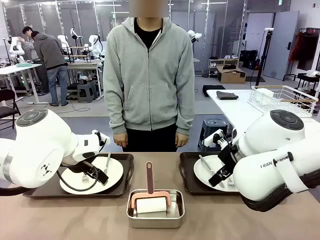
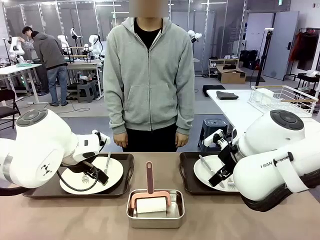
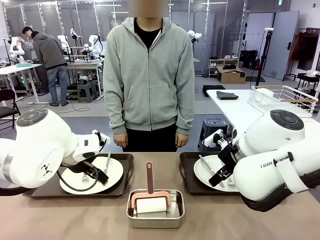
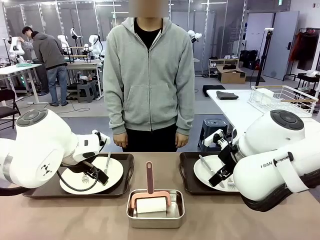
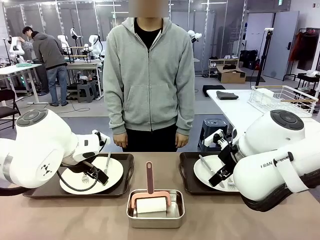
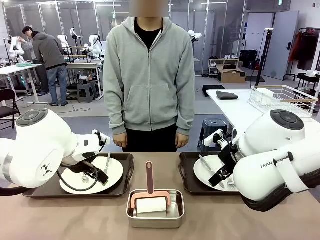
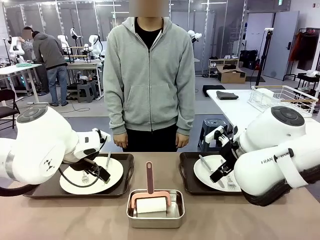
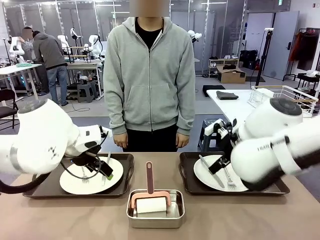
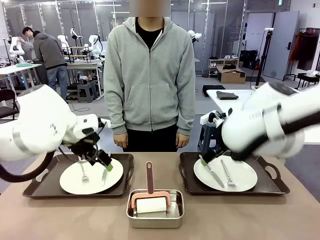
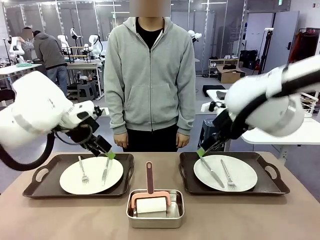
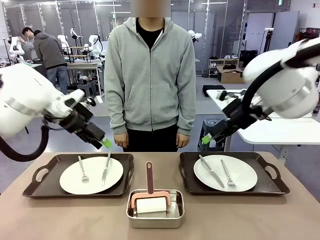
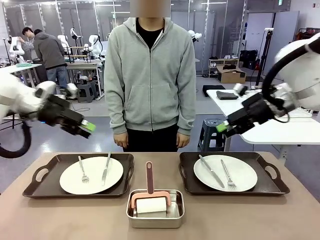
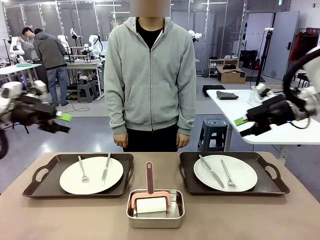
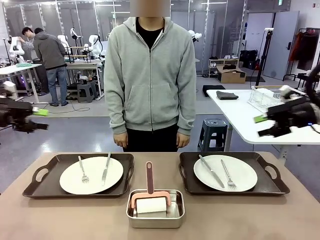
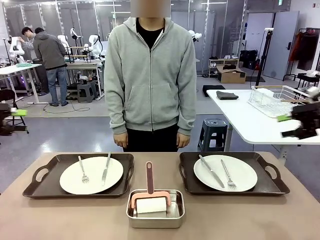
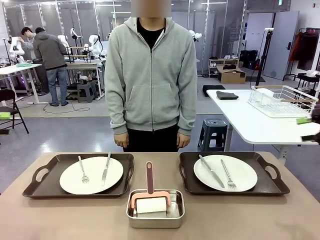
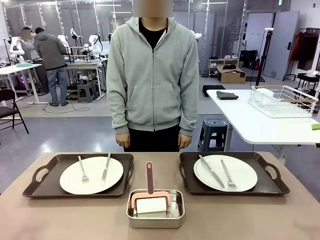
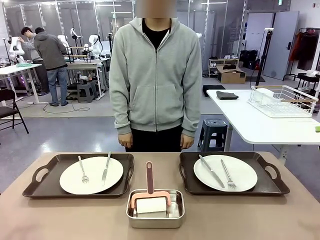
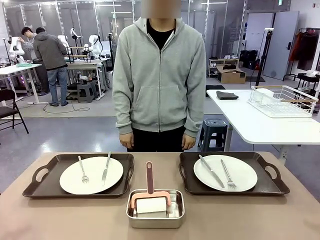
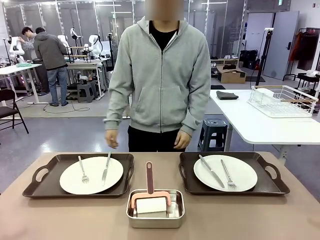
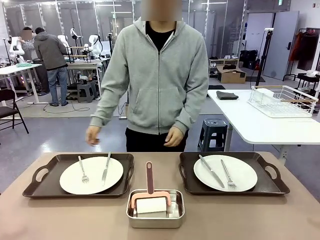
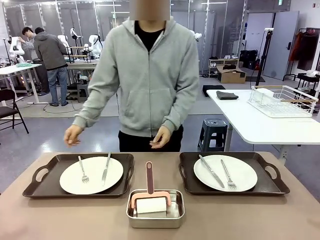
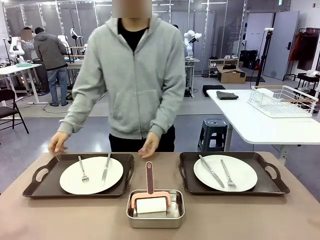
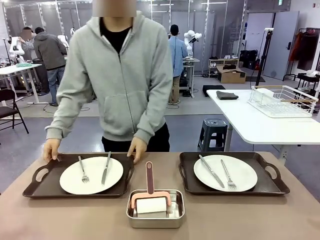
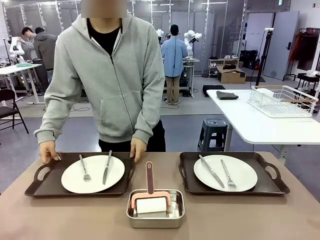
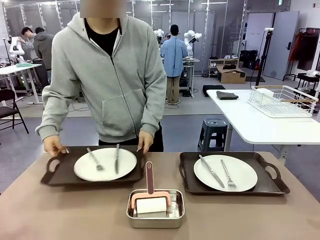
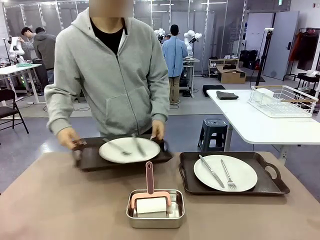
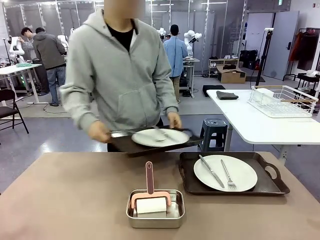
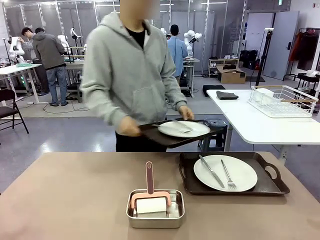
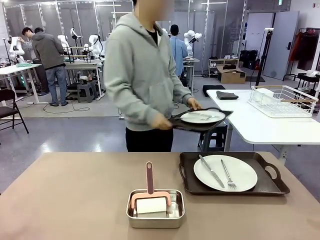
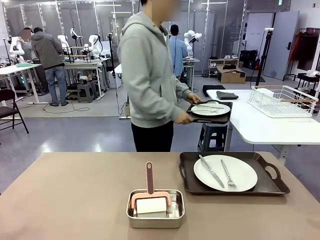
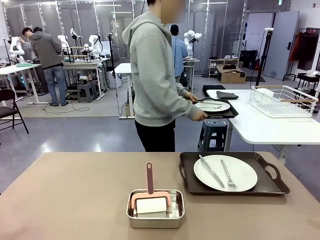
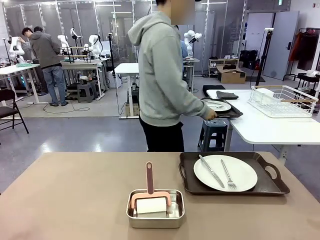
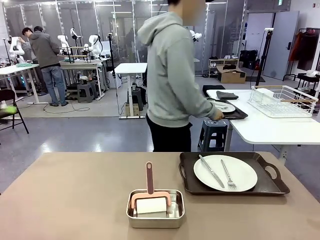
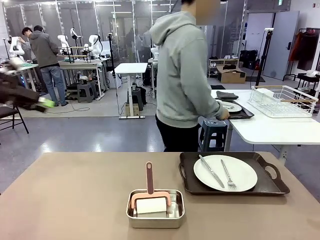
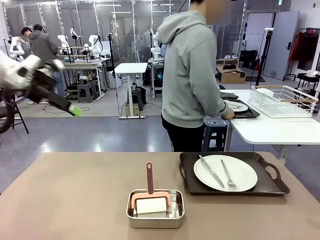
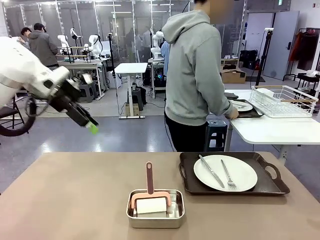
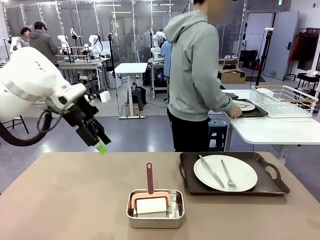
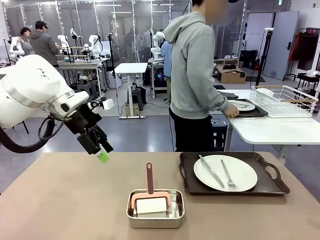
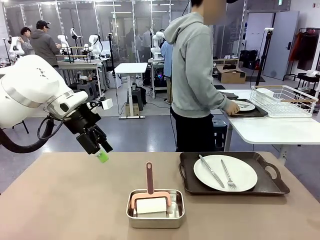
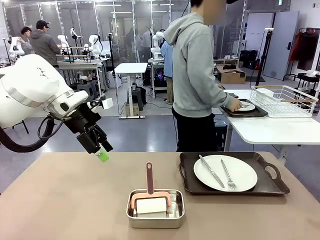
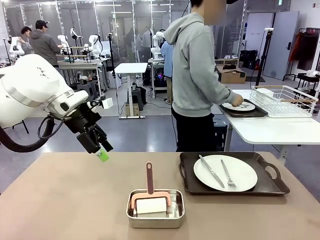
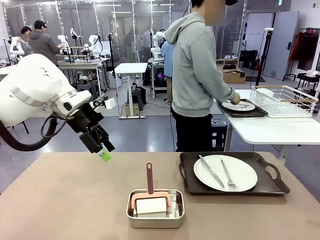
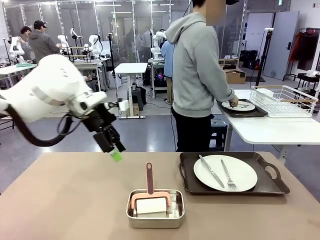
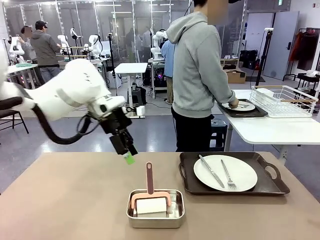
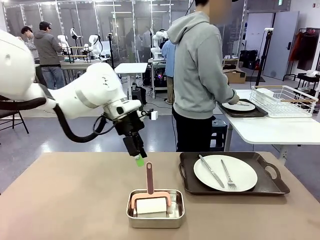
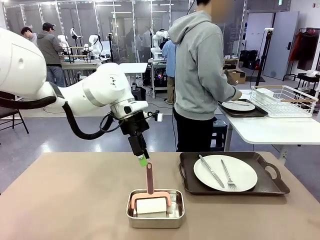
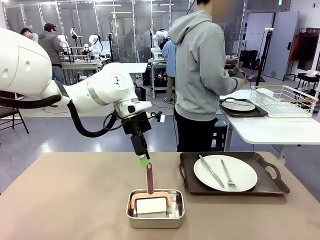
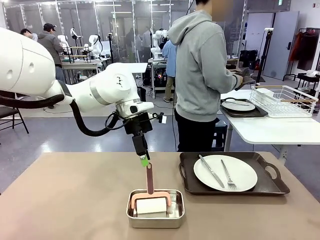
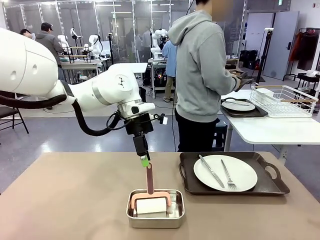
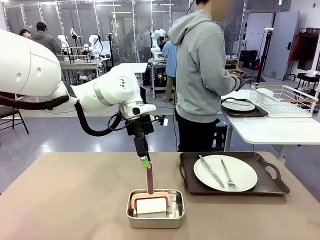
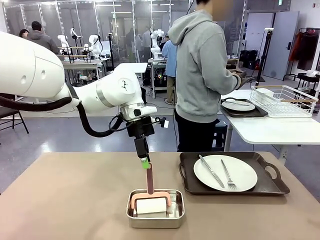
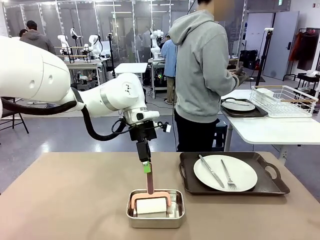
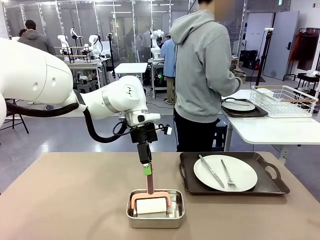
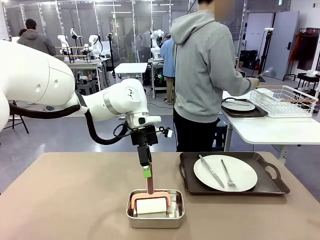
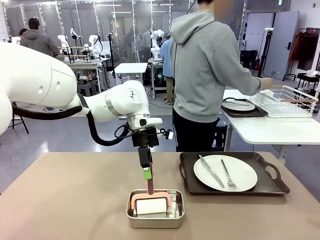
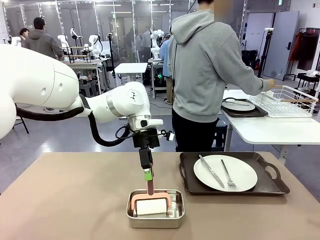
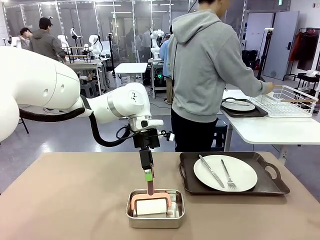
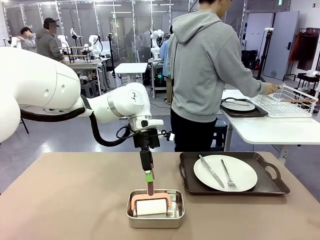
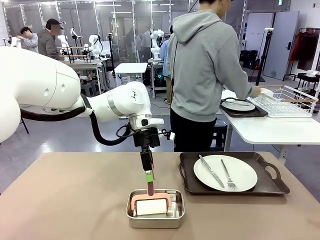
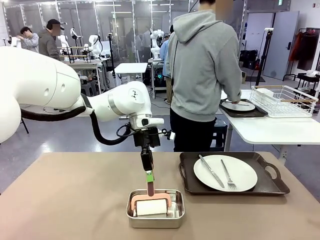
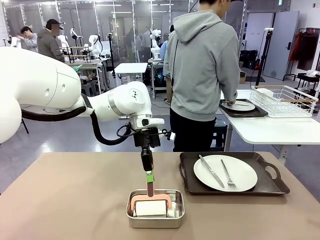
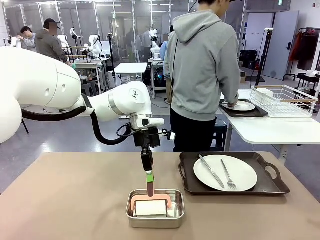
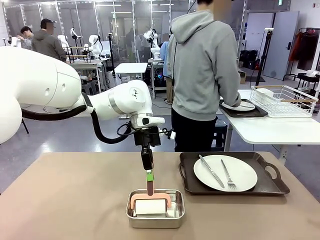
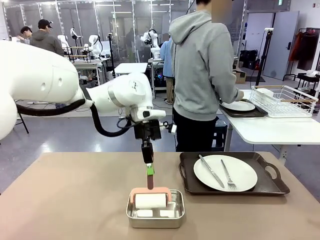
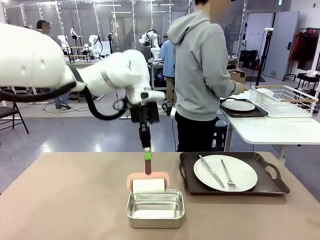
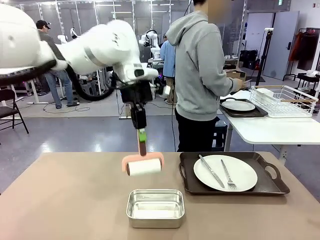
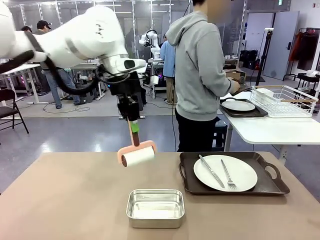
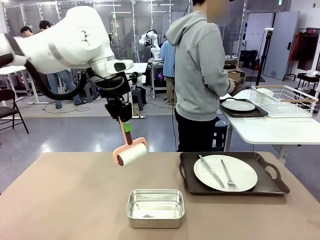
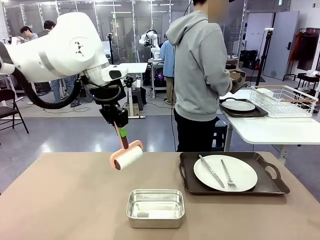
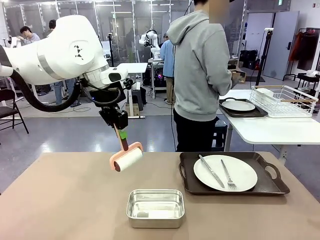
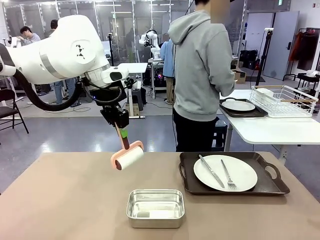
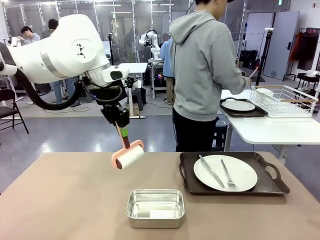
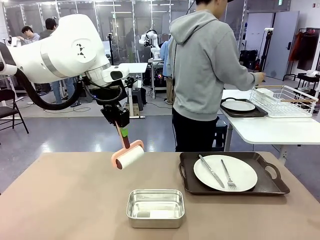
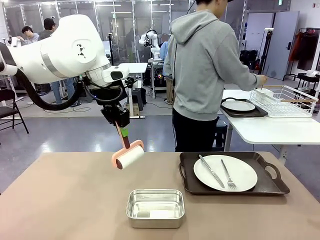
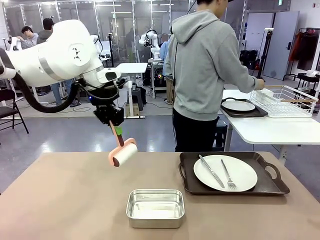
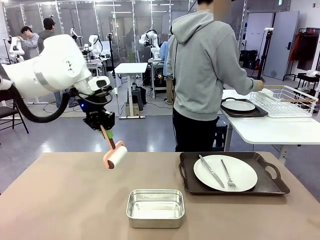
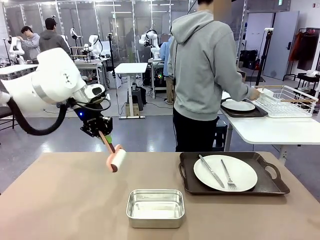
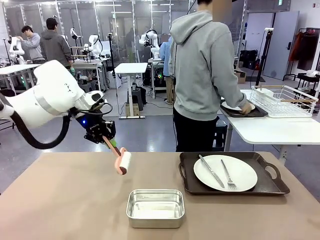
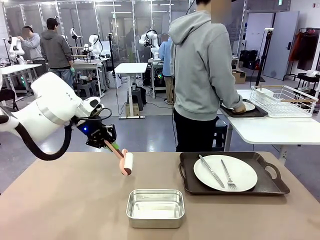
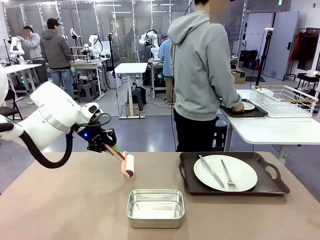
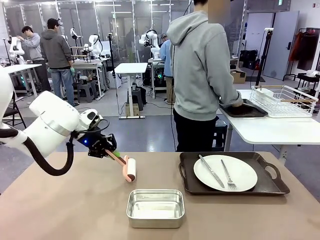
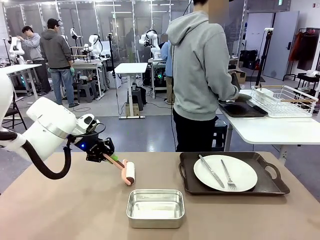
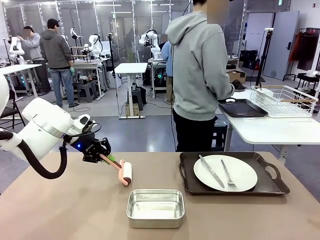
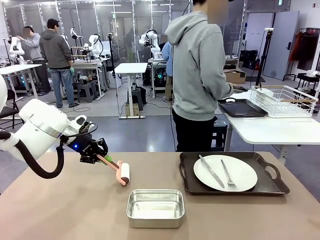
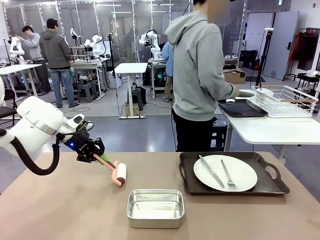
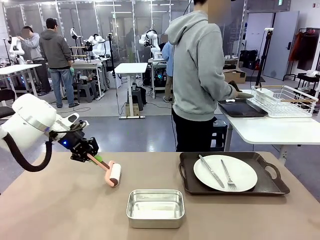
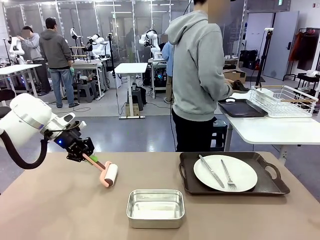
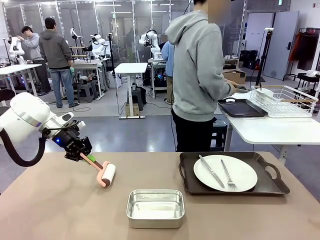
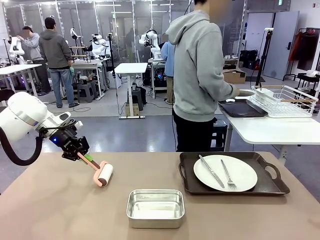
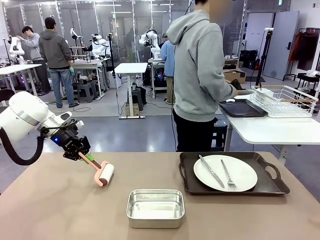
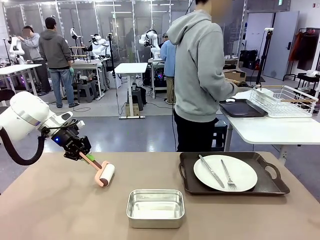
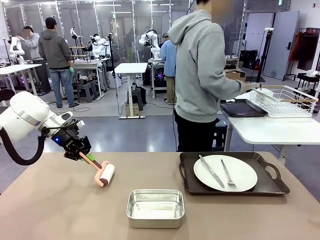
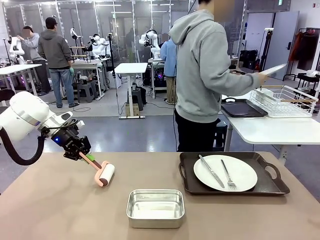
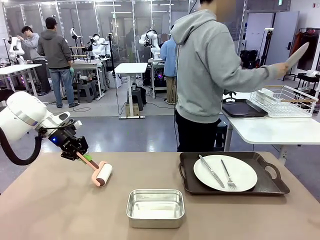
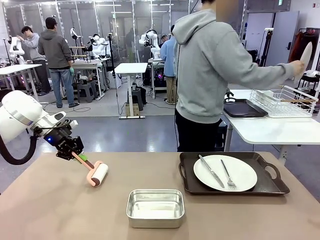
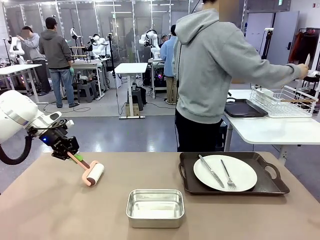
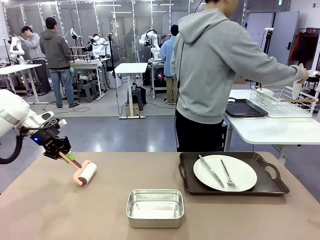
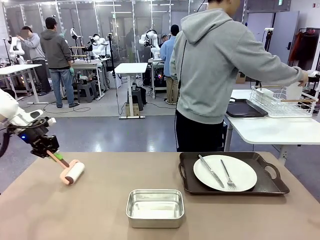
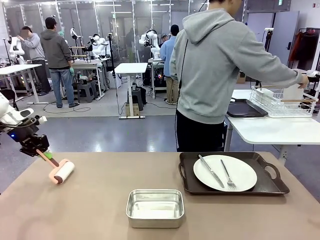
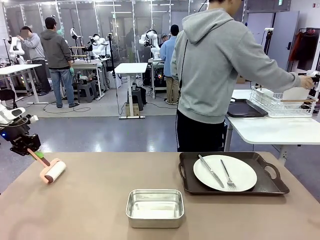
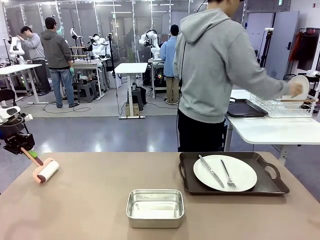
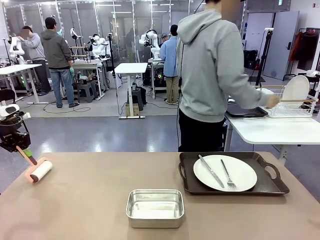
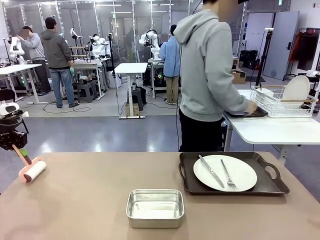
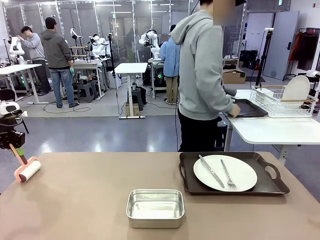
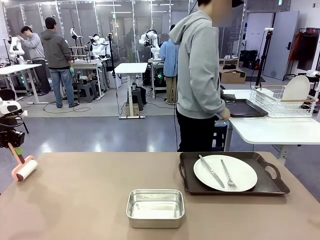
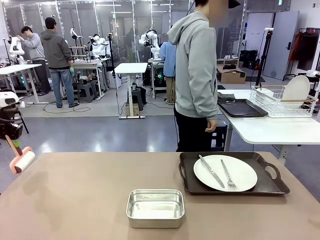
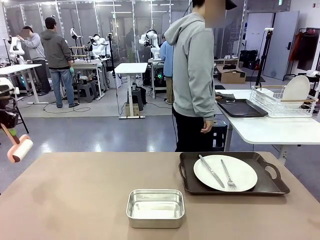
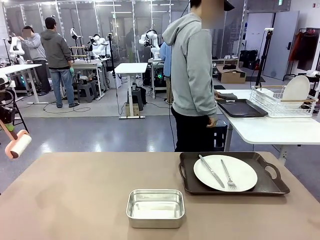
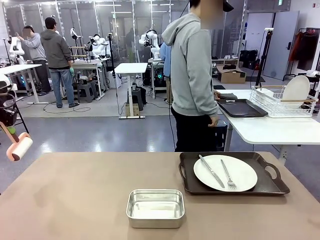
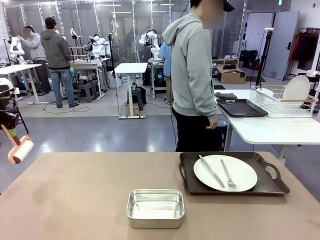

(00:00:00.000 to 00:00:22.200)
Robot: When the left (or right) Handle tray is removed, use the left hand (or right hand) to clean the left (or right) side of the table with the Lint Roller.
Person: Pick up the left (or right) Handle tray and place it on the middle of the Human's table. Use the Towel with hook to wipe the Plastic Matte Plate , Fork , and Knife and place into the Dish drying rack.
